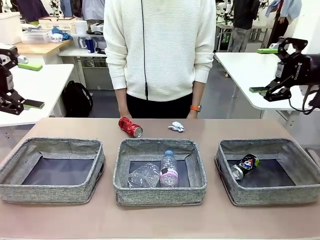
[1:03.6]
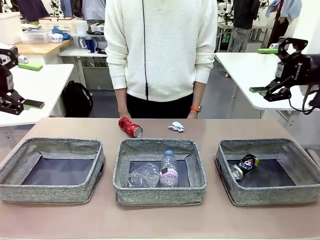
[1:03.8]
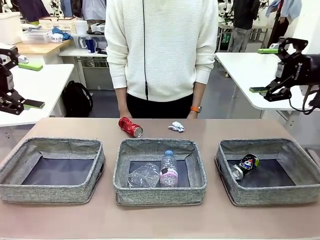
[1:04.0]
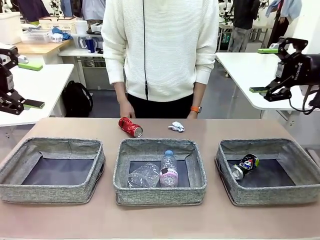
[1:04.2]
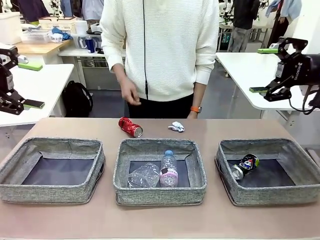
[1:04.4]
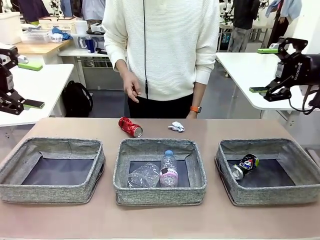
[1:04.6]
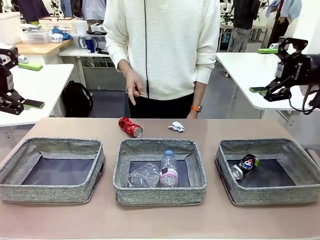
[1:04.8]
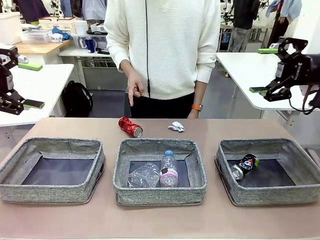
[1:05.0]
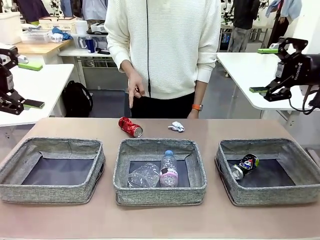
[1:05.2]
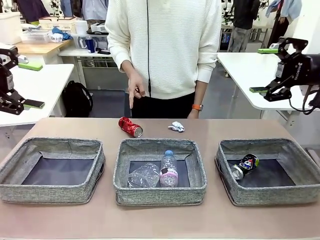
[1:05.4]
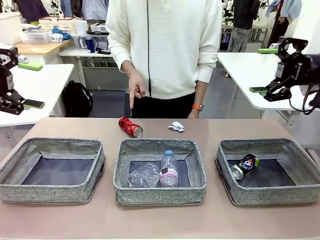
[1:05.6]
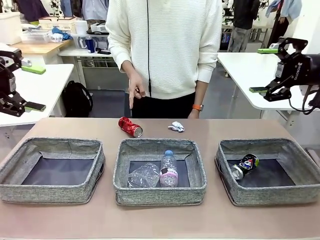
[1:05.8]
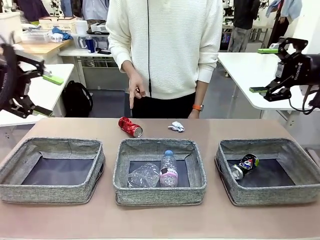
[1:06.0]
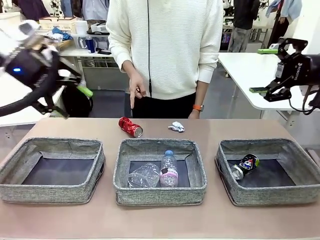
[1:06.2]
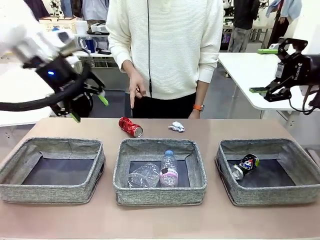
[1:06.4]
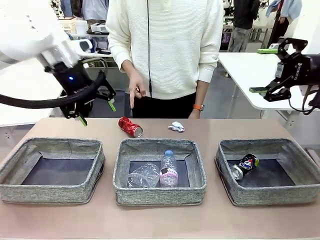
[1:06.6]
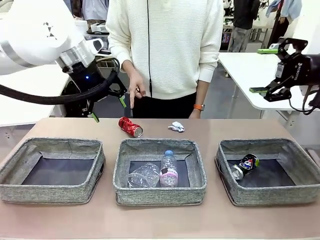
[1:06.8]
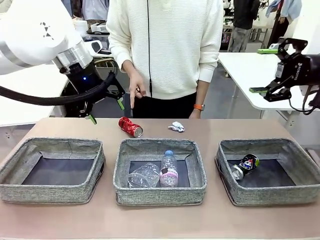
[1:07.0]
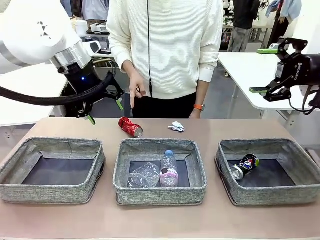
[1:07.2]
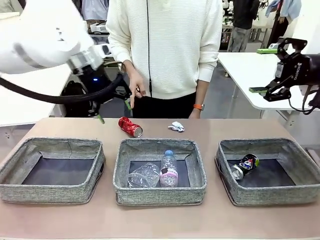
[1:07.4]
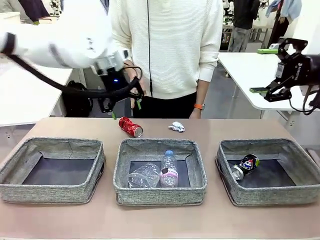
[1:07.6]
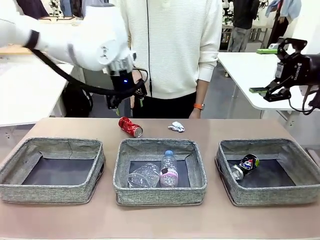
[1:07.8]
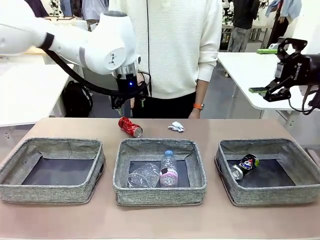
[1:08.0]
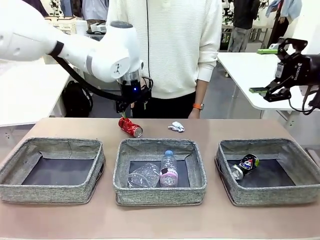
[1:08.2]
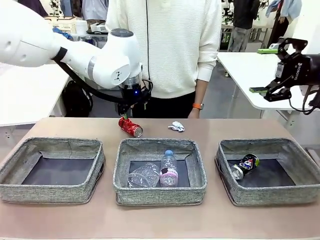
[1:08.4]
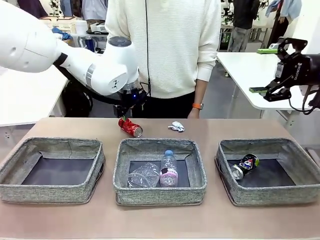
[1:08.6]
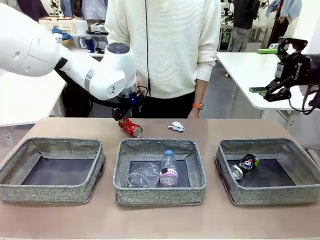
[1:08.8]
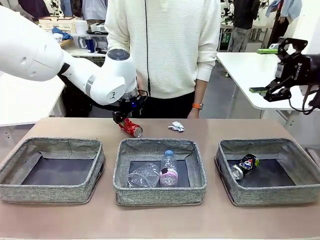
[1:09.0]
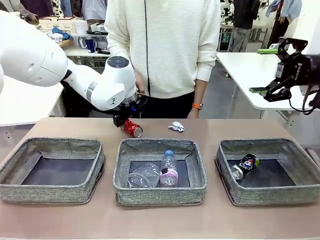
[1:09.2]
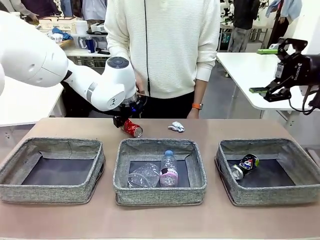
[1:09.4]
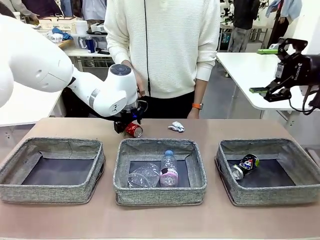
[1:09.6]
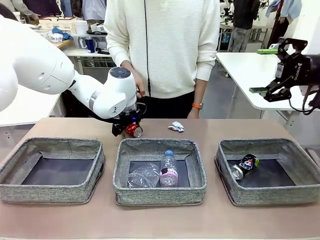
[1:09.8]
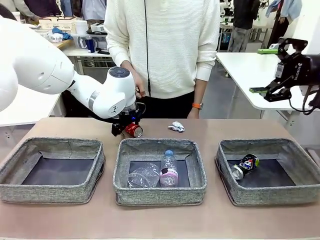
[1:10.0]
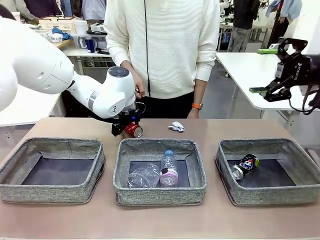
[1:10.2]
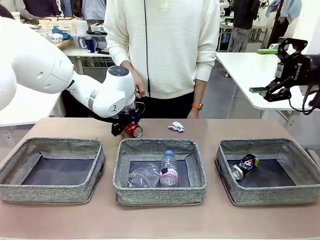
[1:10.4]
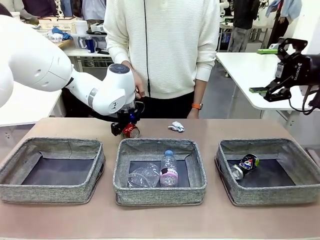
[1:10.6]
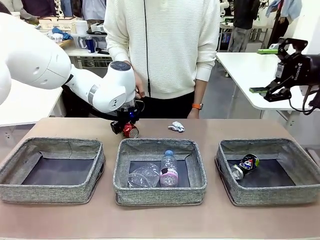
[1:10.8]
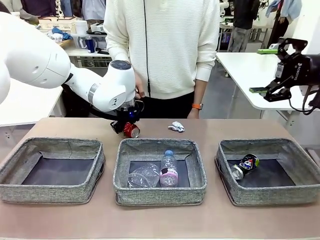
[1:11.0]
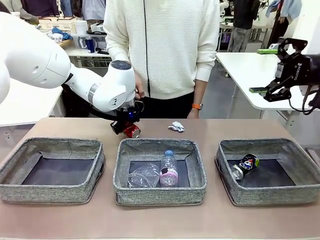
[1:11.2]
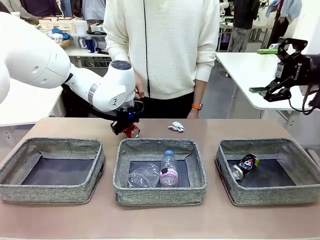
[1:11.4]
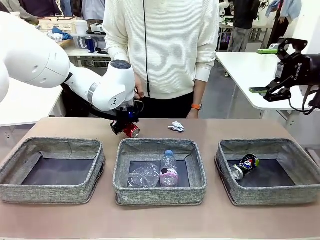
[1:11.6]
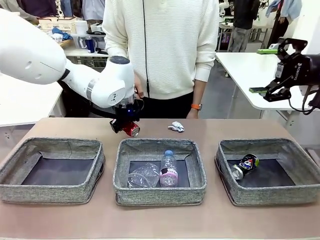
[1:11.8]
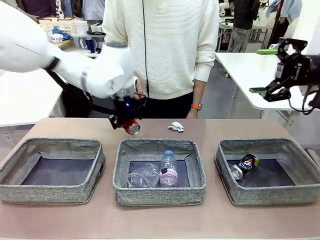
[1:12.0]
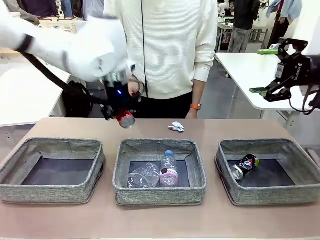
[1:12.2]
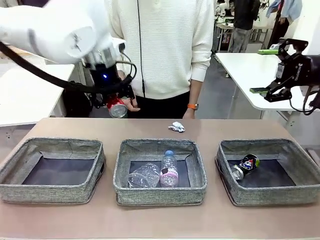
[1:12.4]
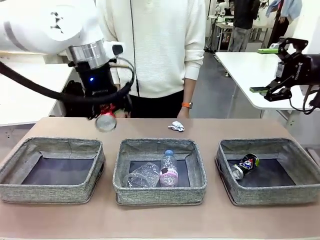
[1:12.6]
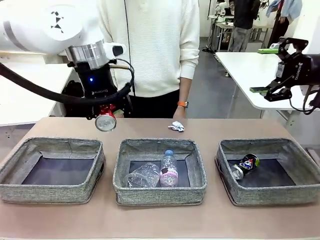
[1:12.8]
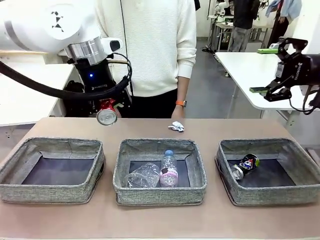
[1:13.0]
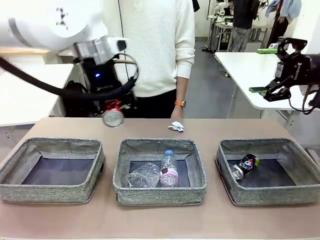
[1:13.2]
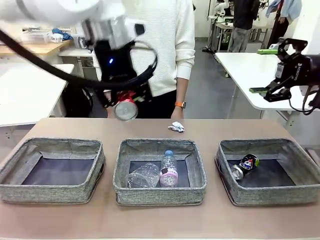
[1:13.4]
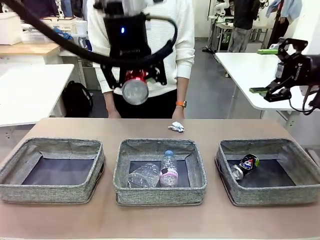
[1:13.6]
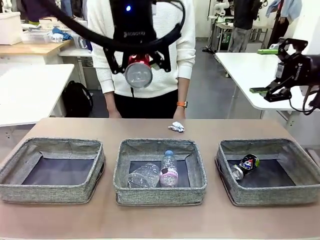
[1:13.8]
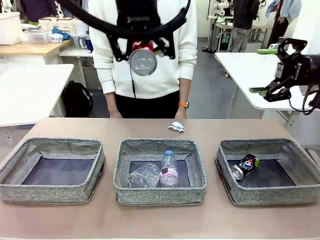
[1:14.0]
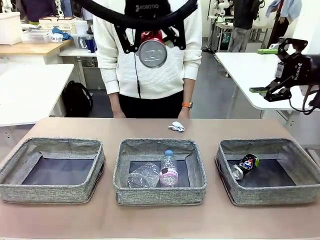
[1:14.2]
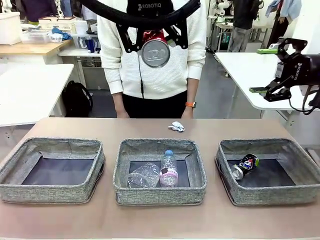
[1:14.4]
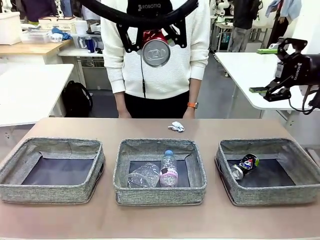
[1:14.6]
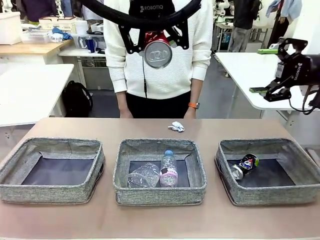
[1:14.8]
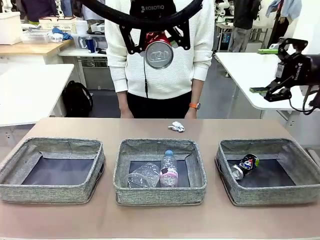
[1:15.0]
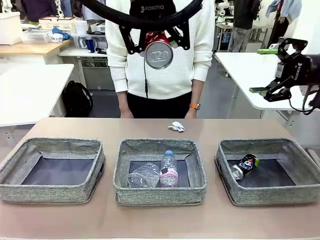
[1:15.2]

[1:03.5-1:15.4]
Task: Sort the waste into the appropriate baskets.
Robot: Pick up the waste item pointed out by the person.
Person: Points to one piece of trash on the table.

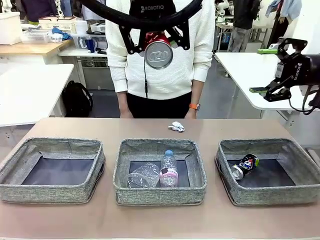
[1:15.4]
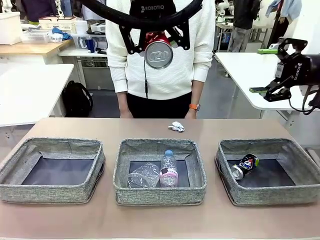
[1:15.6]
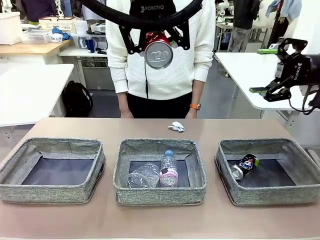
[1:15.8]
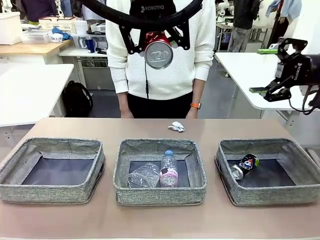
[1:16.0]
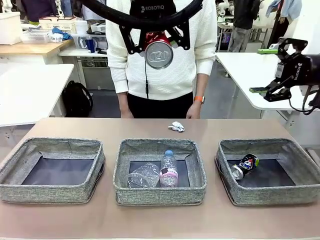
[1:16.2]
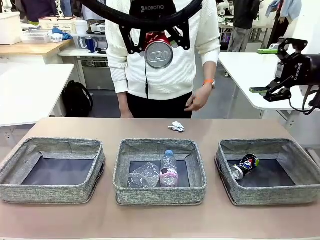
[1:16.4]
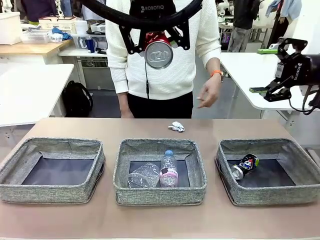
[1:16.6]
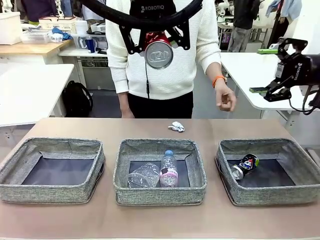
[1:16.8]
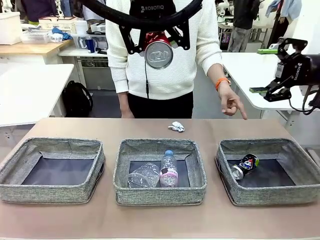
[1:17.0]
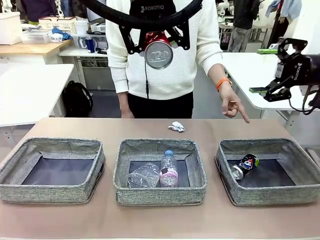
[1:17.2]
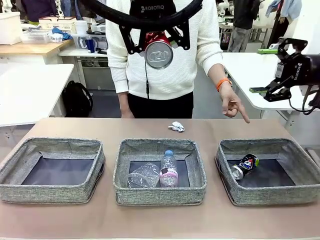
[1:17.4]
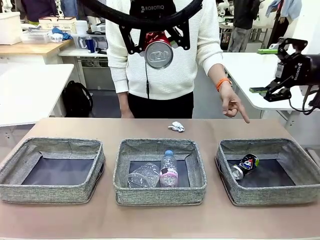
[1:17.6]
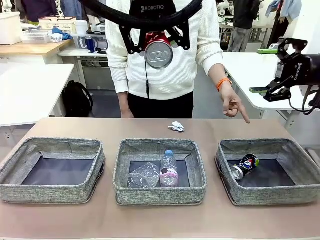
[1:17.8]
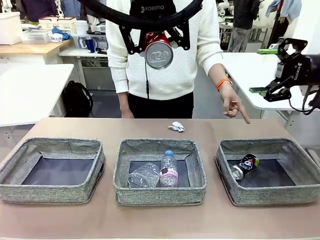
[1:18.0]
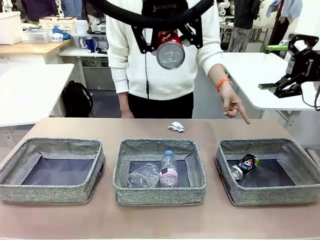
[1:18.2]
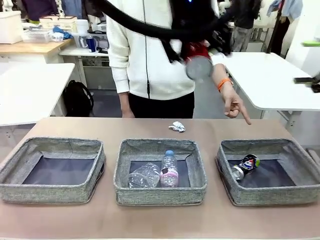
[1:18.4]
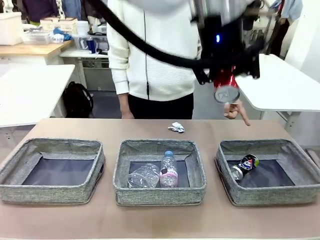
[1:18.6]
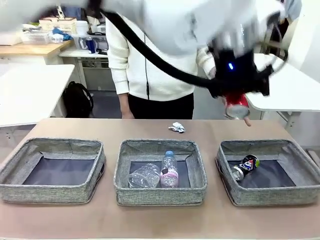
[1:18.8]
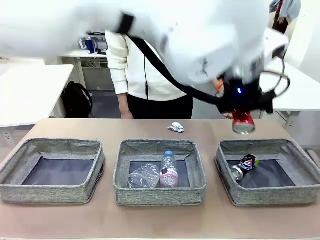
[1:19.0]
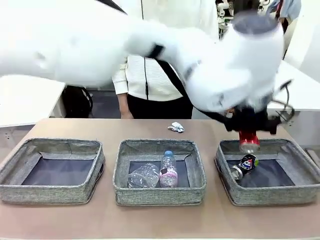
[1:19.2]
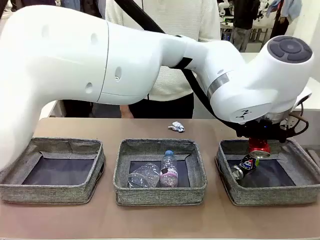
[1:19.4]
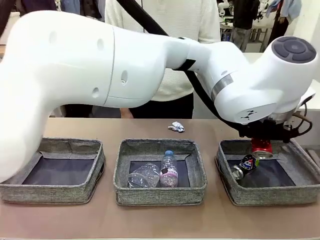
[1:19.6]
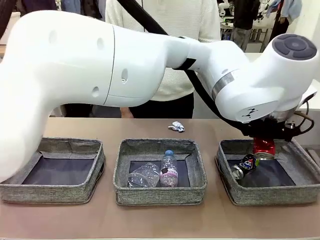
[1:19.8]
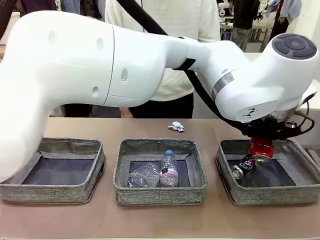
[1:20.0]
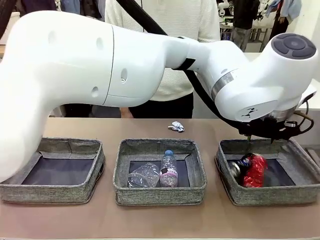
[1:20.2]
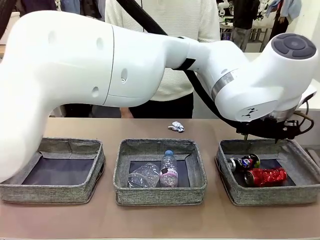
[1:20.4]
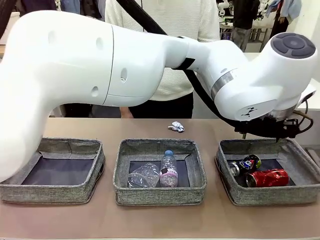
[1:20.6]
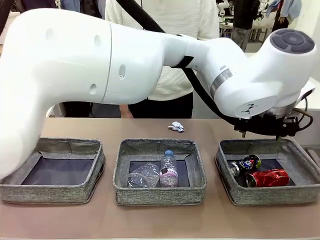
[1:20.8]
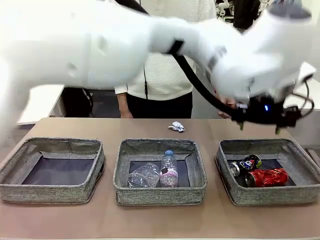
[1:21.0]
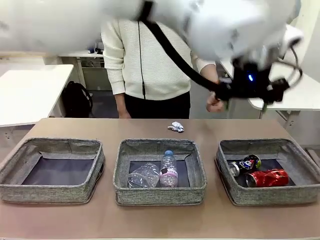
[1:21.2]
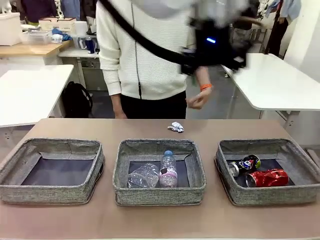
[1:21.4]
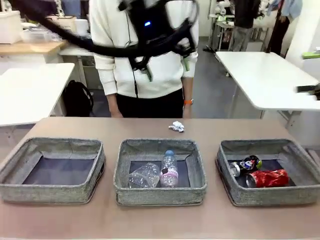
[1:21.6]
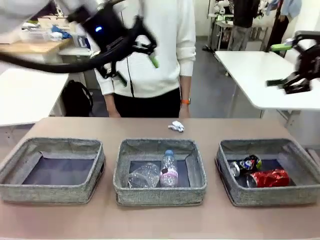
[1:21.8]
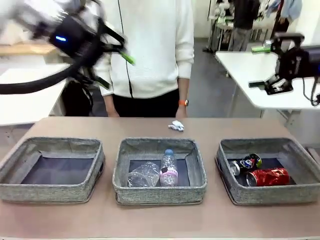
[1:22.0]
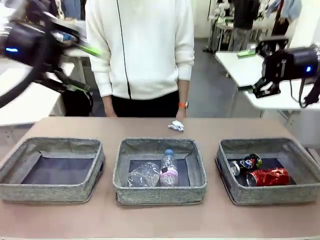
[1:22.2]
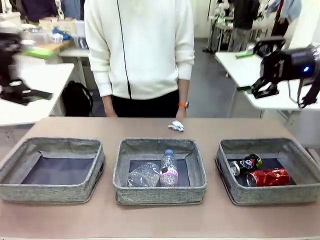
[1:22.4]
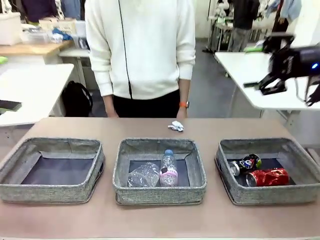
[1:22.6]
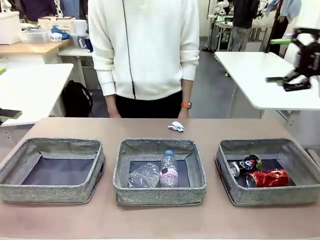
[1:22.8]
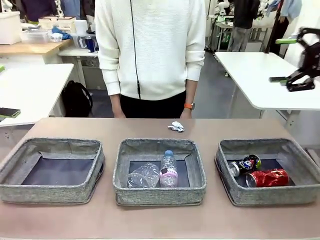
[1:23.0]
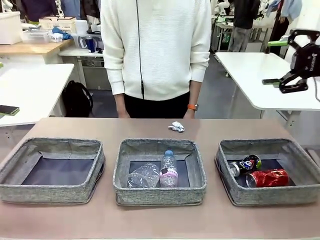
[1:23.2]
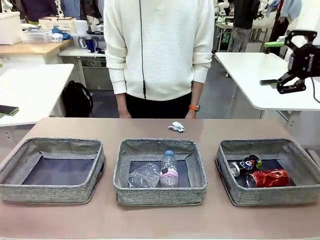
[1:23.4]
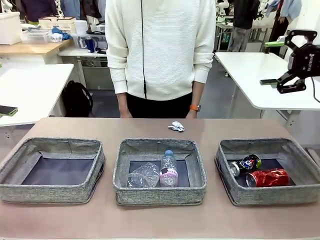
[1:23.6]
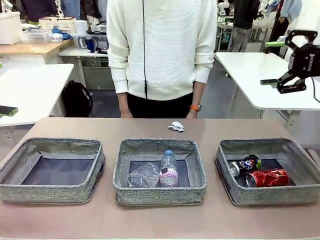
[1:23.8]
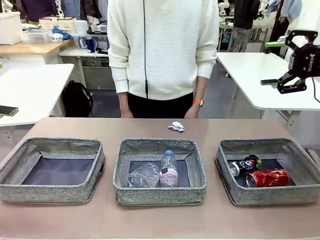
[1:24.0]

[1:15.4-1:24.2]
Robot: Place the picked waste into the Fabric basket indicated by the person.
Person: Instructs the robot to place the picked-up trash into the appropriate organizing basket.
